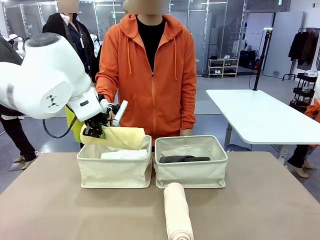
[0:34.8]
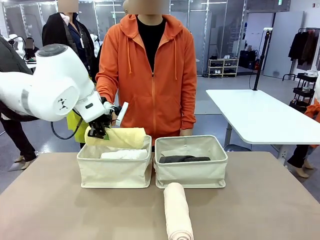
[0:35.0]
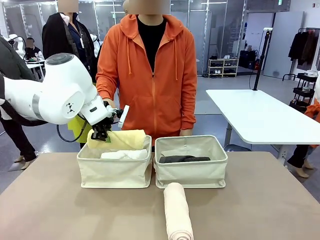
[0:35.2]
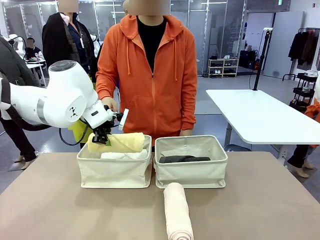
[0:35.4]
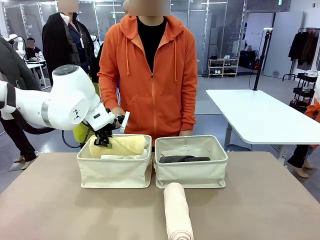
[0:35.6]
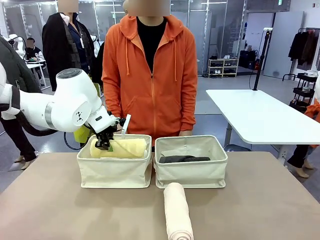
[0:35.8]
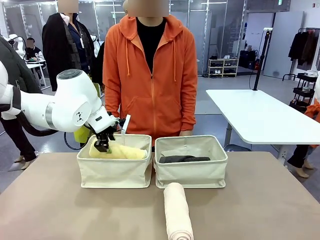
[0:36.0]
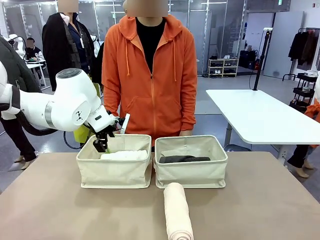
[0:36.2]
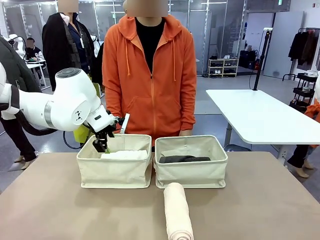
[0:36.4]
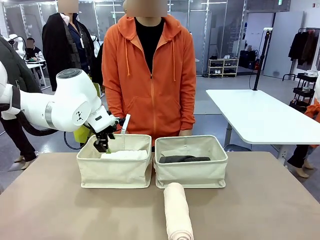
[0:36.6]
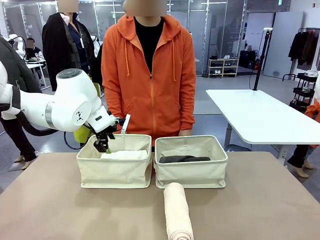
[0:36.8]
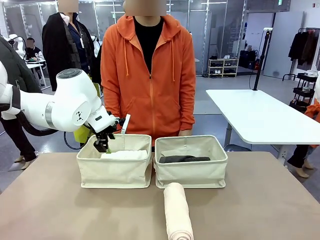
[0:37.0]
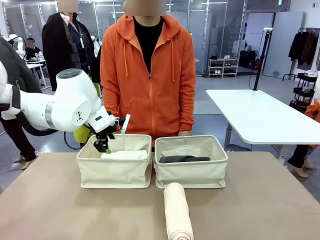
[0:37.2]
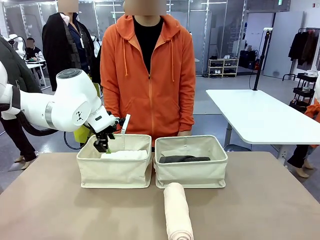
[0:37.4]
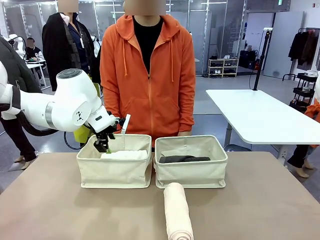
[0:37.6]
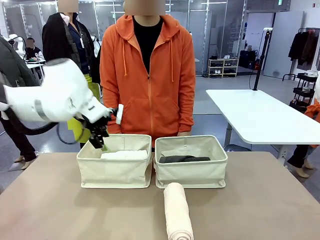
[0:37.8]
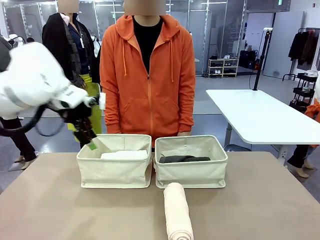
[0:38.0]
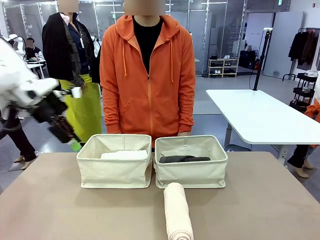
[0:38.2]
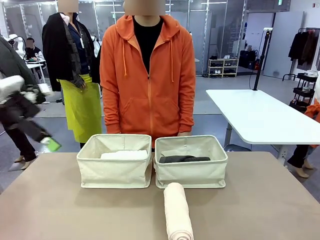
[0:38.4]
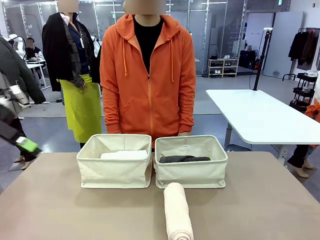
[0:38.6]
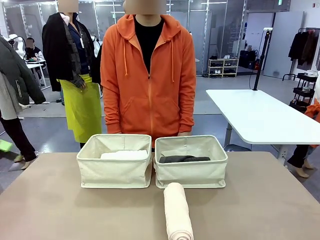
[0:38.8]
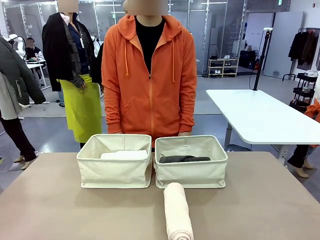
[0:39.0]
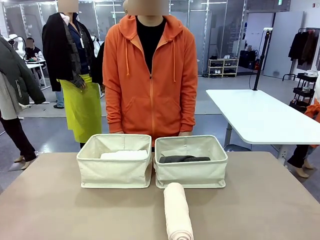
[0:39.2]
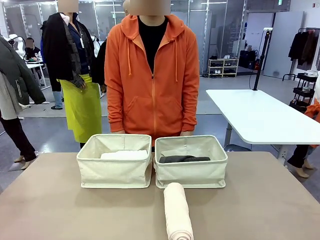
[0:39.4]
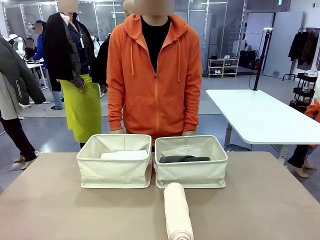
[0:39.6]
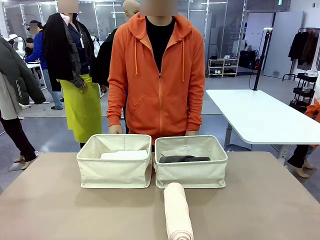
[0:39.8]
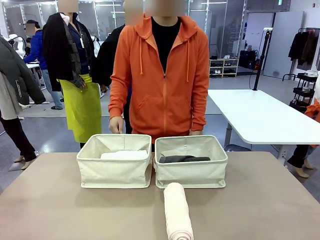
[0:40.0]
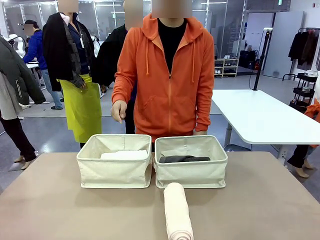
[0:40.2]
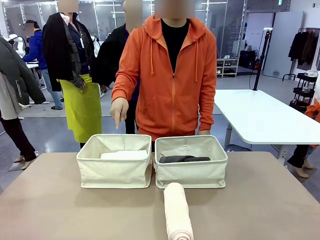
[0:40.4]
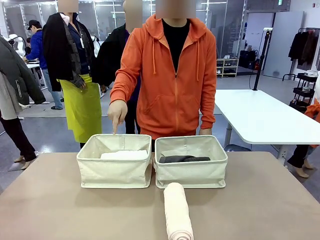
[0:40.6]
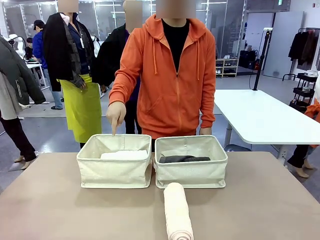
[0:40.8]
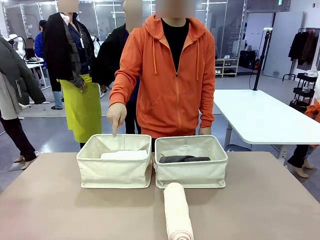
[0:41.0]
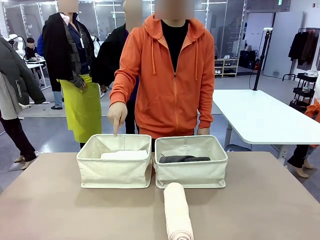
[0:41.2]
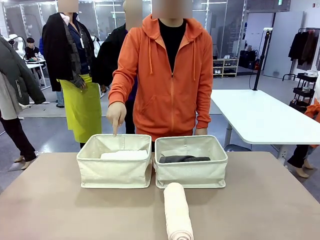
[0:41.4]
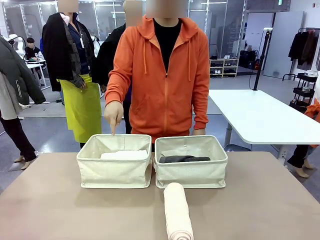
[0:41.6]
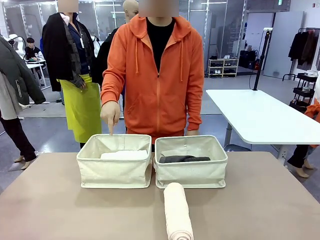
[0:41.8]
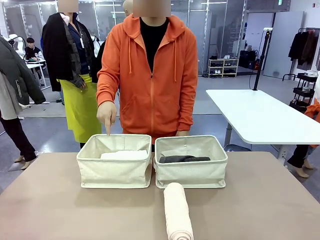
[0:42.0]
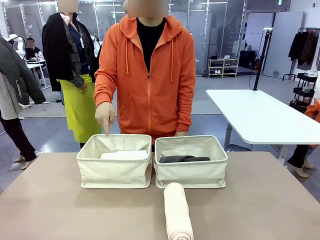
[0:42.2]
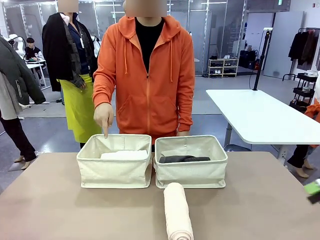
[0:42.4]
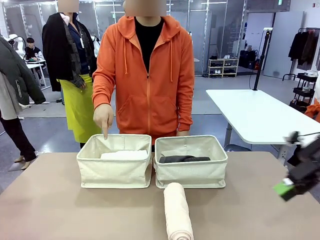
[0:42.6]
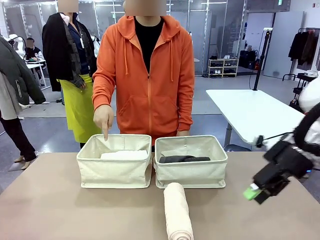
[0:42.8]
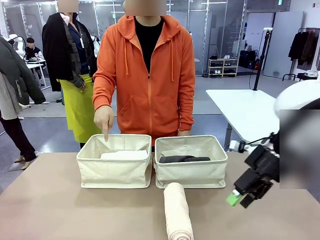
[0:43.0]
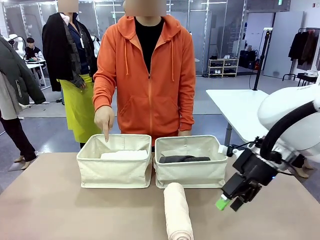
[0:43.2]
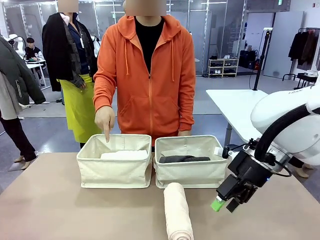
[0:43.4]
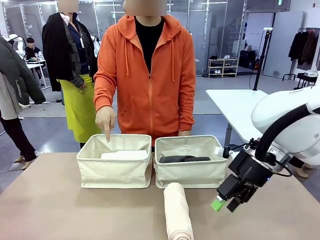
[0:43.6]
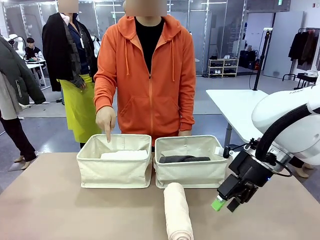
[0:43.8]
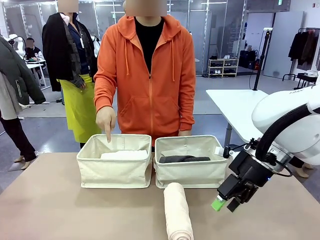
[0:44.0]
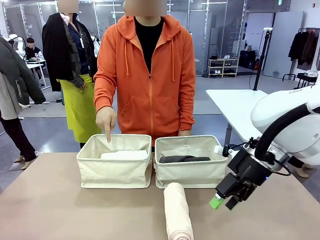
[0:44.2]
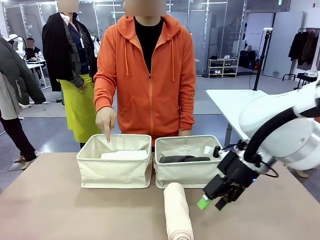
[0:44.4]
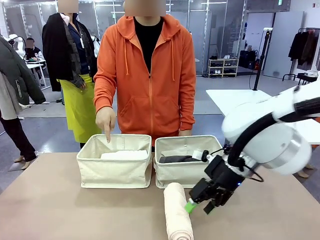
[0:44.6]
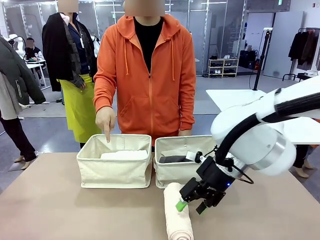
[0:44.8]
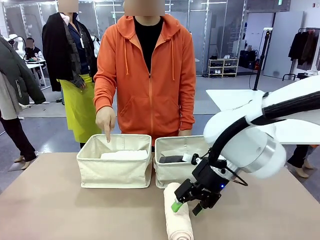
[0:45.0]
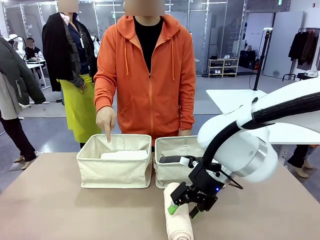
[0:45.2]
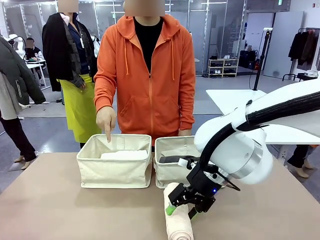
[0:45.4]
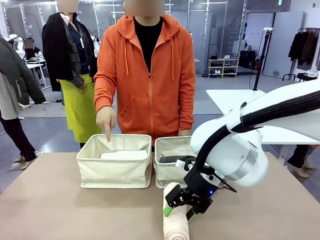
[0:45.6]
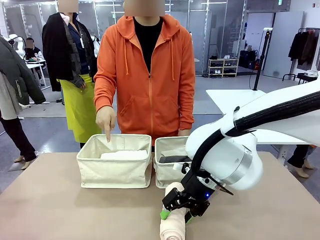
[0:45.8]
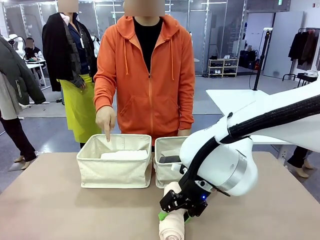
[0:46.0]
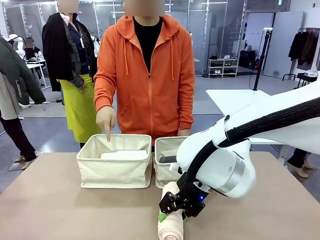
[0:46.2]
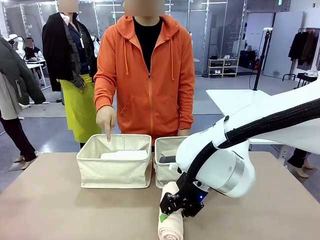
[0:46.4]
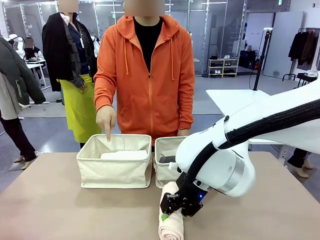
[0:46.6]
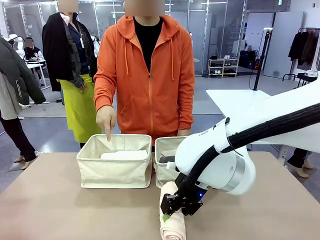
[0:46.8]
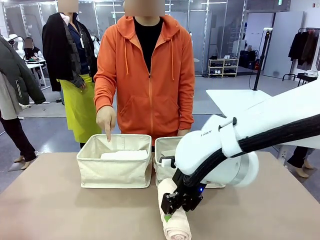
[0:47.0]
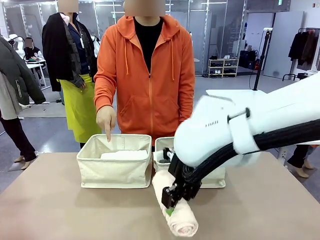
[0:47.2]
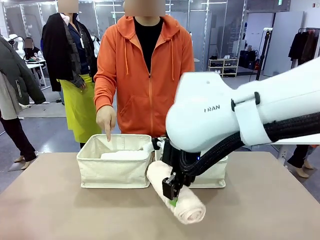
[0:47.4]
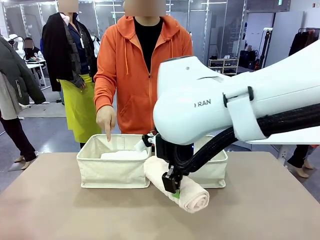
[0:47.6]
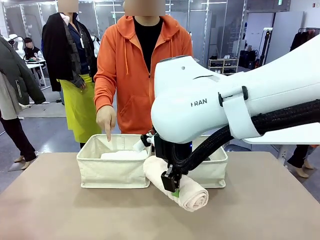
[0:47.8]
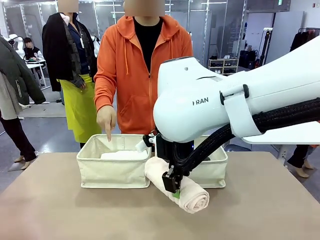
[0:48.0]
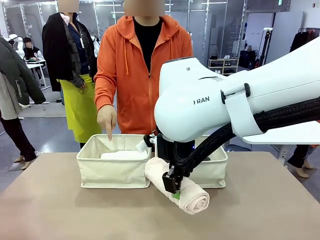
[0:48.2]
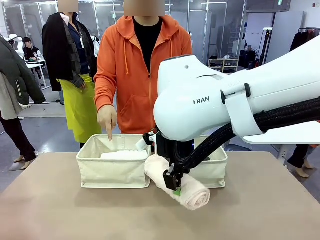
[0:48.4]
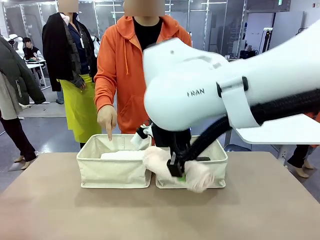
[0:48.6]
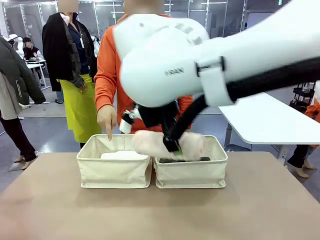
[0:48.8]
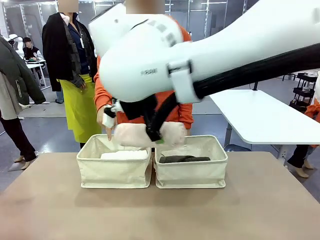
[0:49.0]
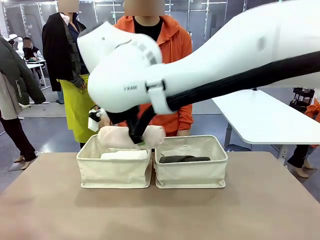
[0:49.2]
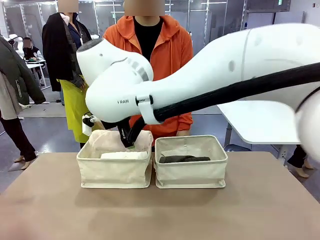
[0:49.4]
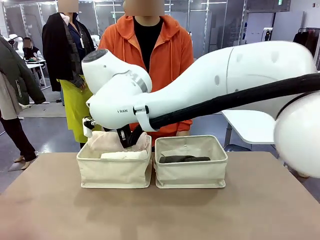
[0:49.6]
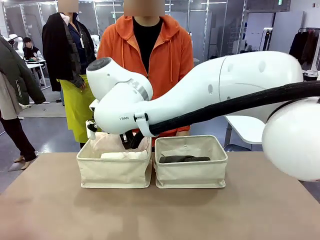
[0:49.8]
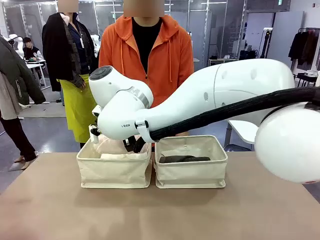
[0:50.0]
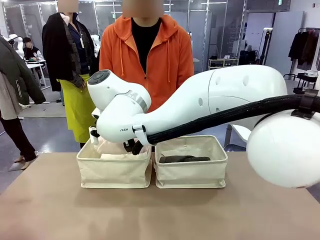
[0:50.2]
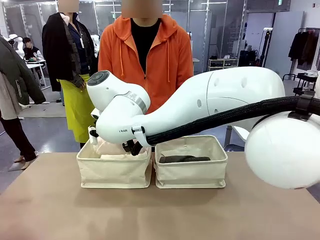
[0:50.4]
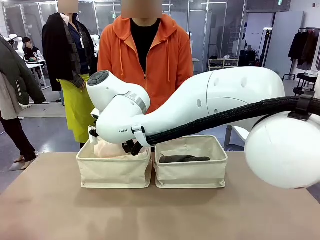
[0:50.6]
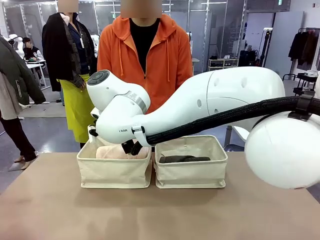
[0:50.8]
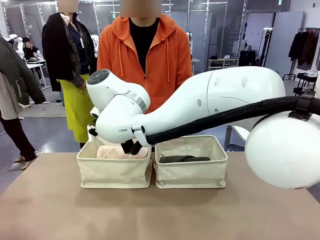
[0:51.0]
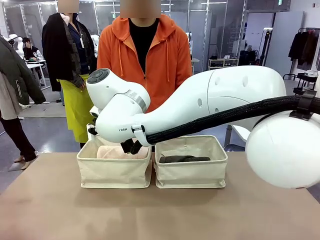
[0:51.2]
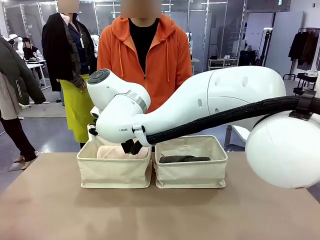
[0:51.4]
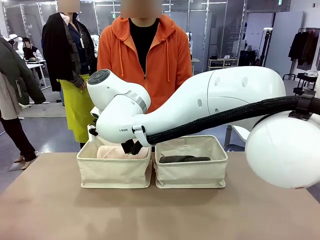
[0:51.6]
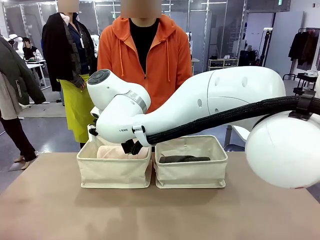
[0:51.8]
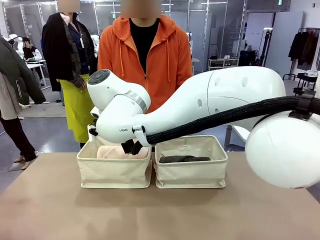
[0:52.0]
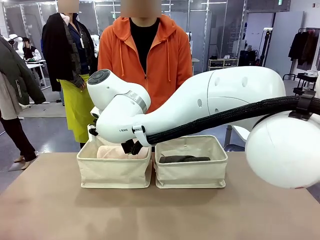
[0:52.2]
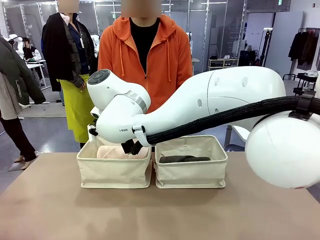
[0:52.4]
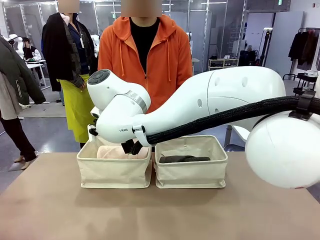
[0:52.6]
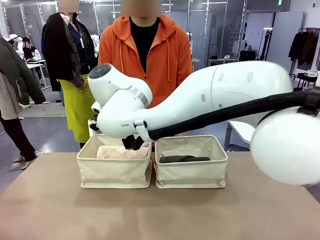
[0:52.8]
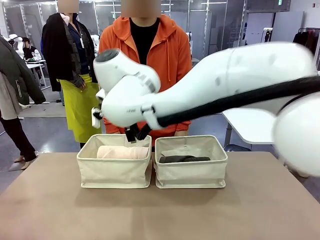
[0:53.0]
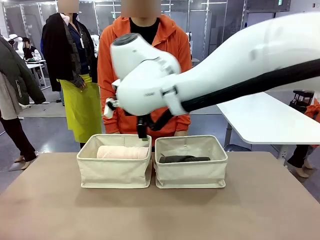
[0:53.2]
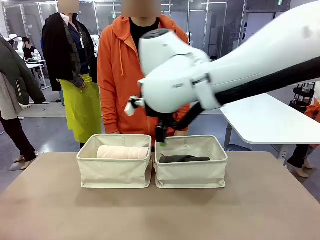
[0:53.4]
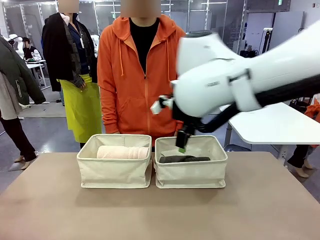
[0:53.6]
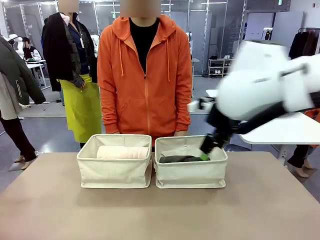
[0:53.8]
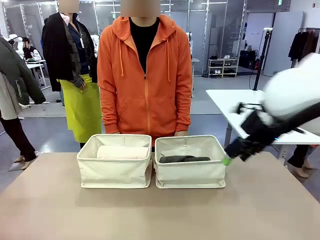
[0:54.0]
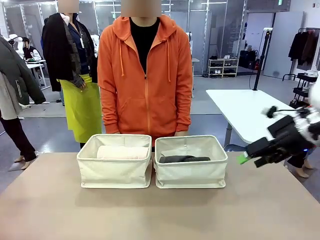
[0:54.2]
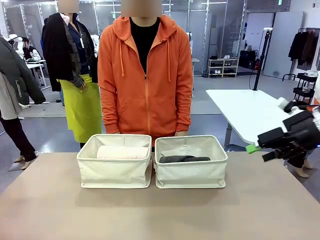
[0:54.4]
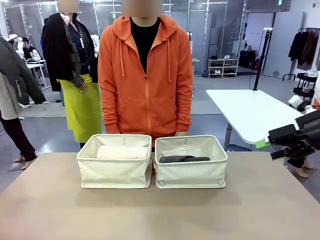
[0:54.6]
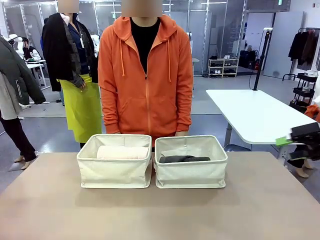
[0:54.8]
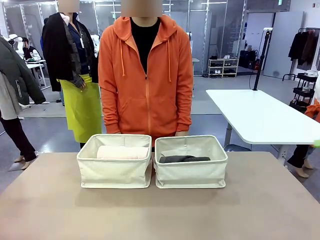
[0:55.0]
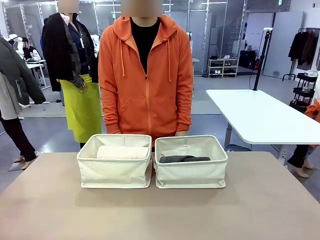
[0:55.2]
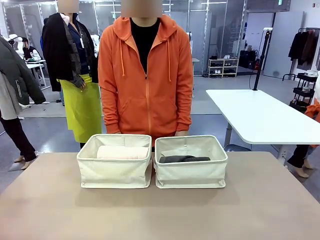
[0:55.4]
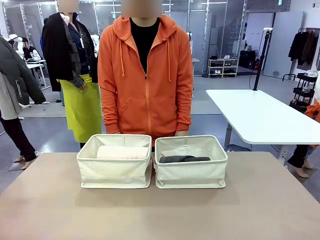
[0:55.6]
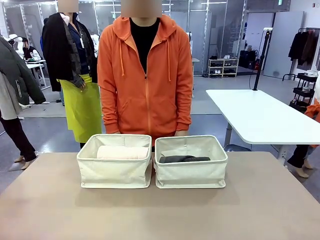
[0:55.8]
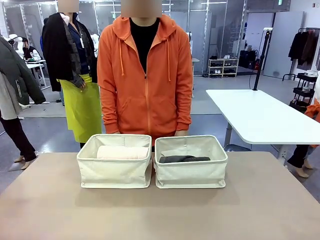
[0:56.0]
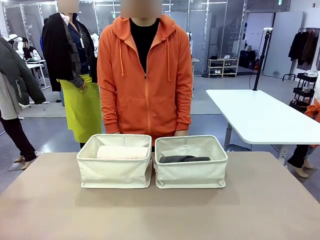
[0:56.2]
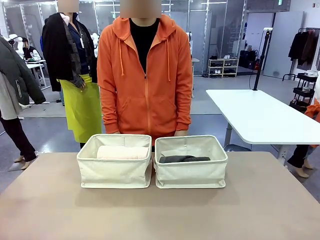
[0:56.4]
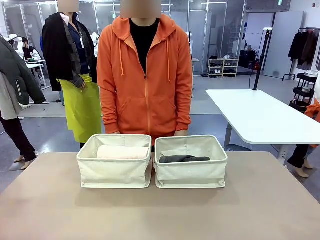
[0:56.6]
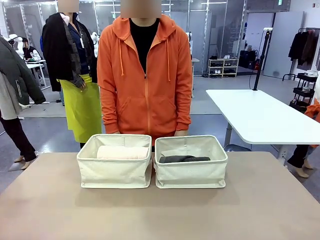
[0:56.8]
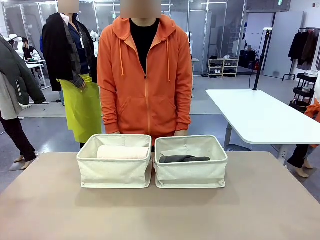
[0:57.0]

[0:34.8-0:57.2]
Task: Divide the towels into two baskets.
Robot: Pick up one hotel-folded towel from the bottom of the table and place it in the Fabric basket indicated by the person.
